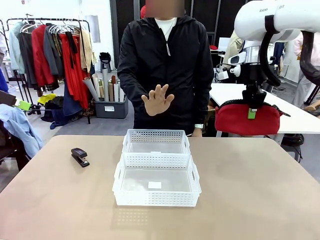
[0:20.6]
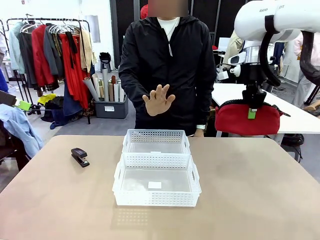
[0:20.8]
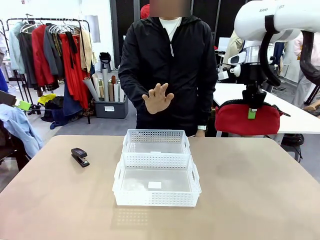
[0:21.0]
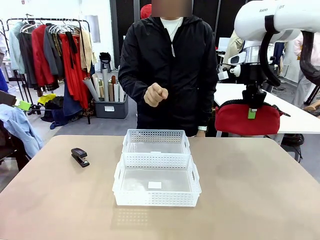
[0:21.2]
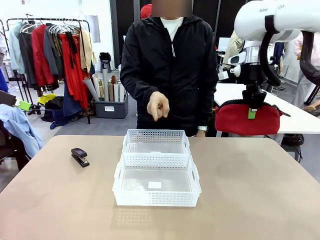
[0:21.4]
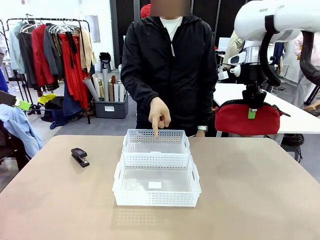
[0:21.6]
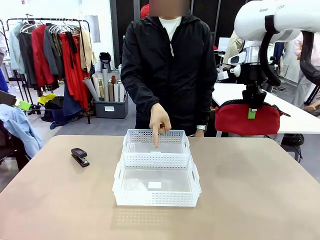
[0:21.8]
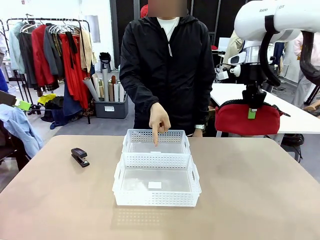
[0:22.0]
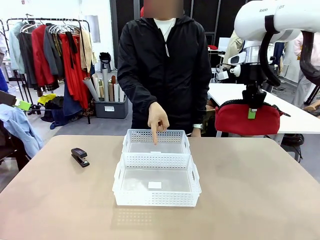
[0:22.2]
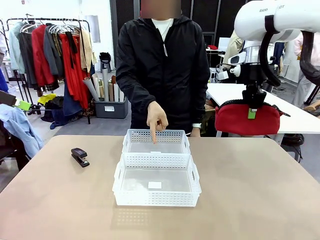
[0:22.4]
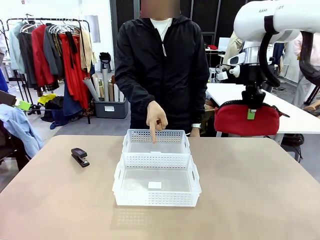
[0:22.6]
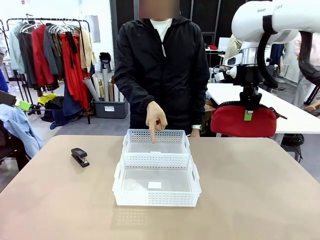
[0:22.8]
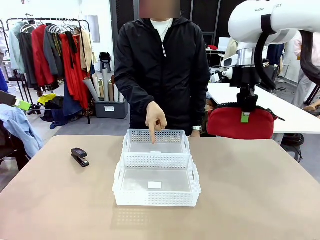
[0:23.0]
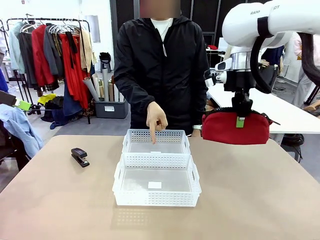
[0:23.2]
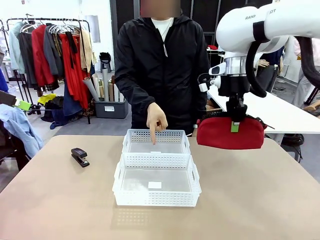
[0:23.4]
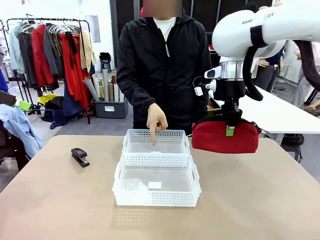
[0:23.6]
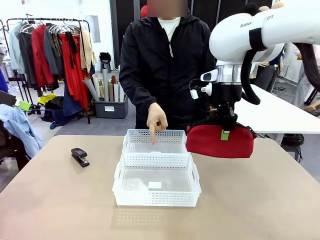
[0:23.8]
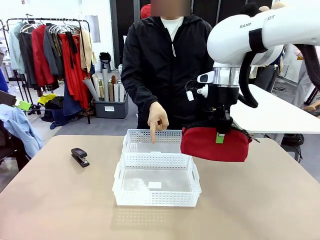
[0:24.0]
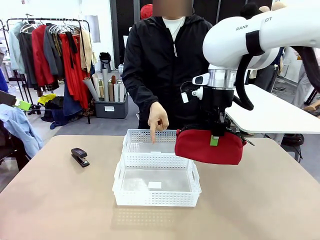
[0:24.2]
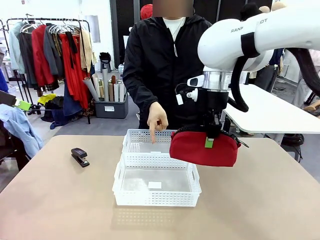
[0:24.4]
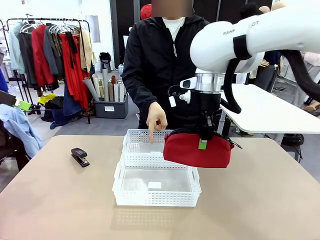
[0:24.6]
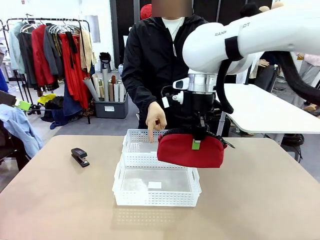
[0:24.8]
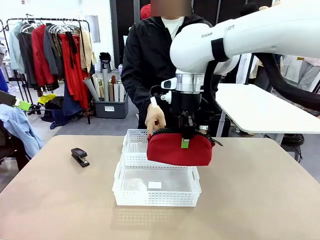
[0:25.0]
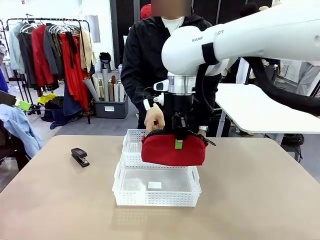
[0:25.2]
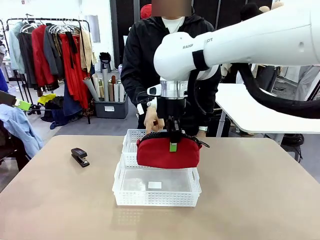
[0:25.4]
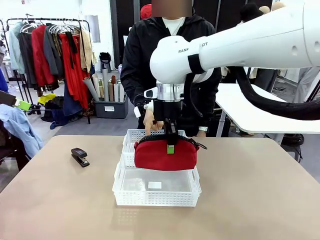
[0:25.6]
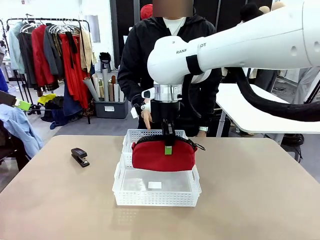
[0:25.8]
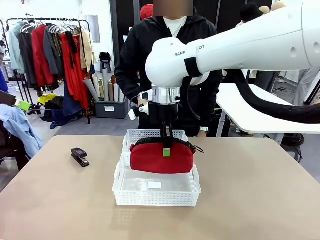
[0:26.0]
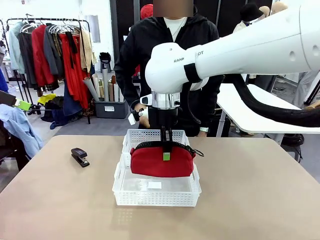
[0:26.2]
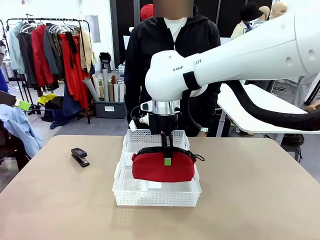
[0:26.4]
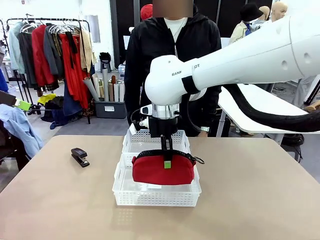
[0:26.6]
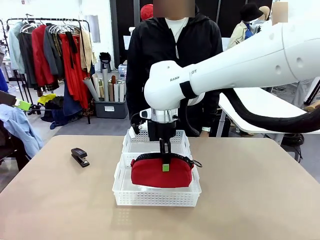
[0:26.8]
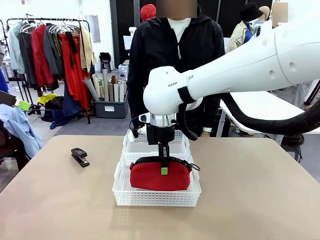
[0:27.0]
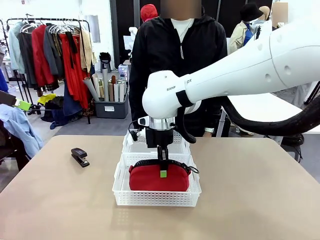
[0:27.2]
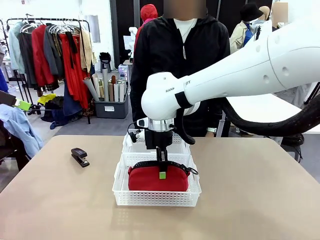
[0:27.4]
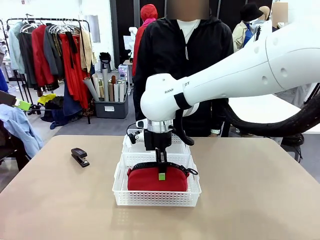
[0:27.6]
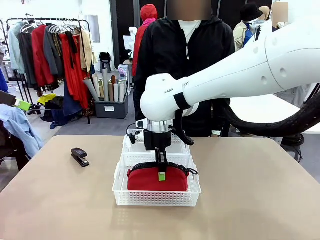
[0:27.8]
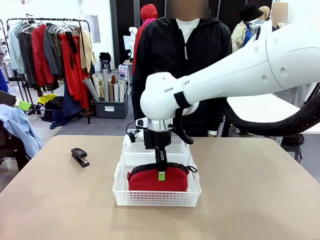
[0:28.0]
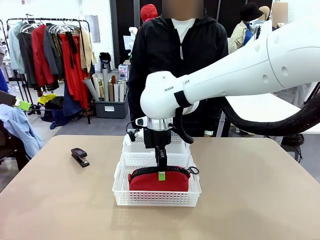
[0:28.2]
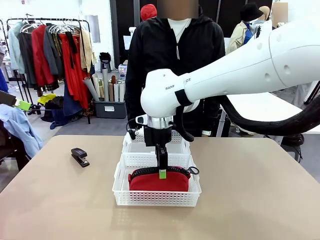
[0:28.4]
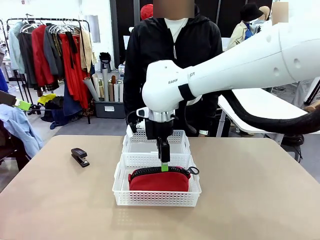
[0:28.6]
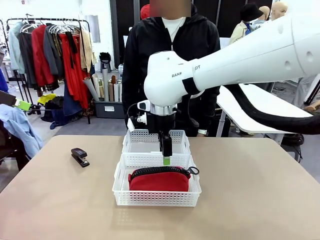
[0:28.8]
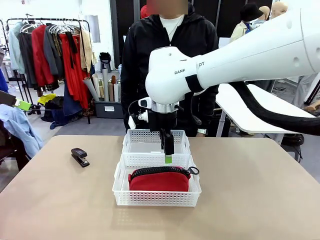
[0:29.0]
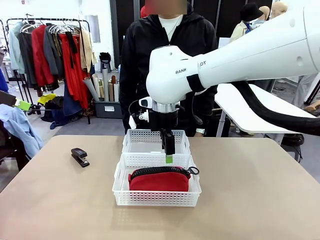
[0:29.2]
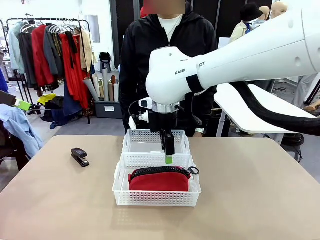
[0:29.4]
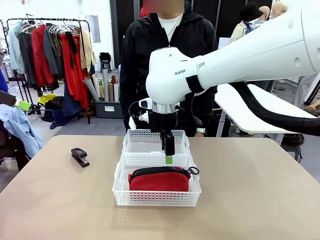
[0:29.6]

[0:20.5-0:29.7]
Task: Distribute items into two baskets.
Robot: Place the picked Pencil pouch into the Organizing basket as instructed by the person.
Person: Instructs the robot to place the pencil case into the opposite basket. Points to the stapler.

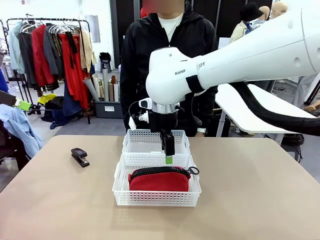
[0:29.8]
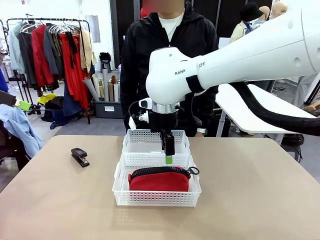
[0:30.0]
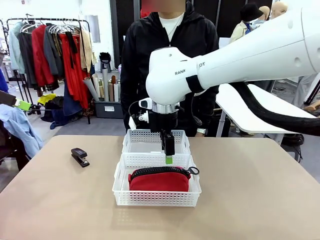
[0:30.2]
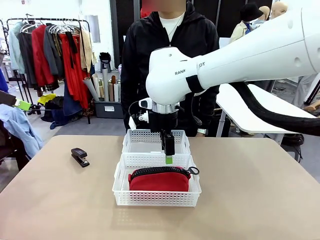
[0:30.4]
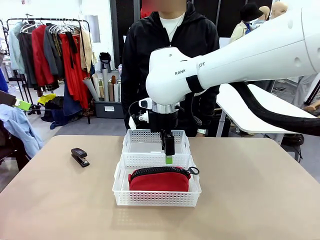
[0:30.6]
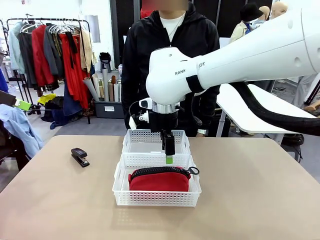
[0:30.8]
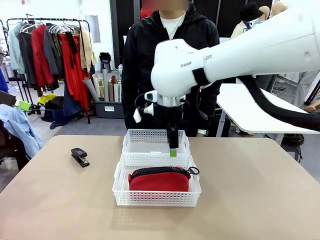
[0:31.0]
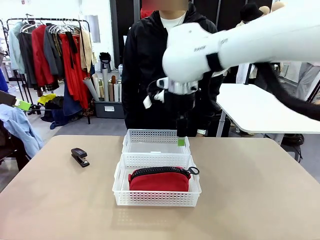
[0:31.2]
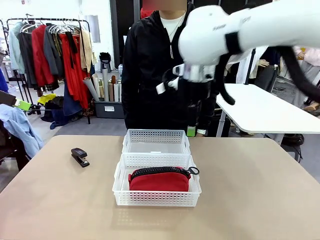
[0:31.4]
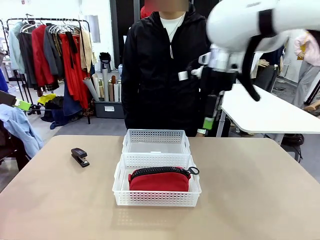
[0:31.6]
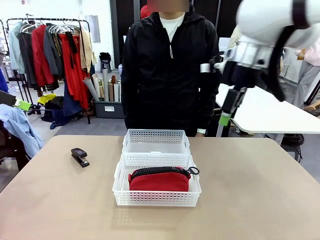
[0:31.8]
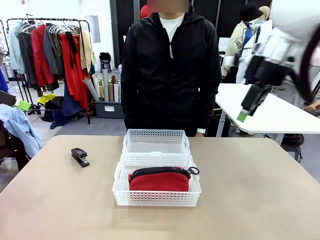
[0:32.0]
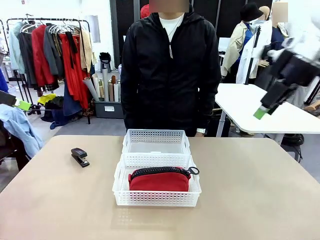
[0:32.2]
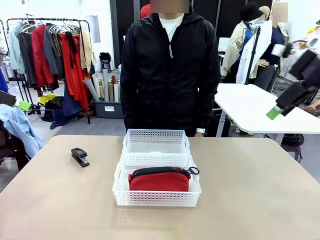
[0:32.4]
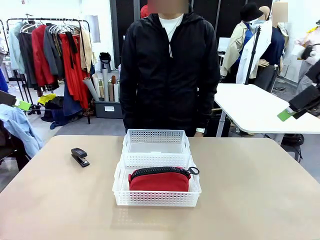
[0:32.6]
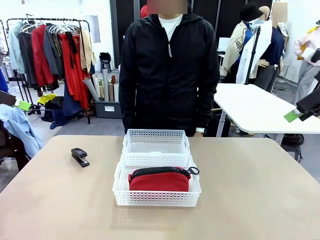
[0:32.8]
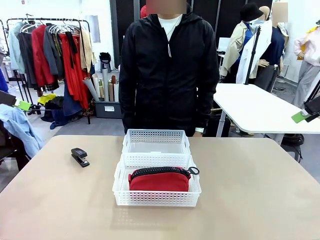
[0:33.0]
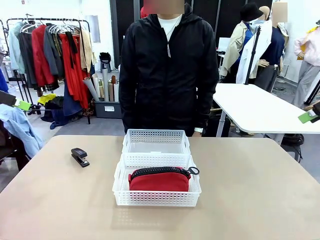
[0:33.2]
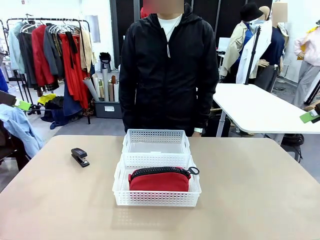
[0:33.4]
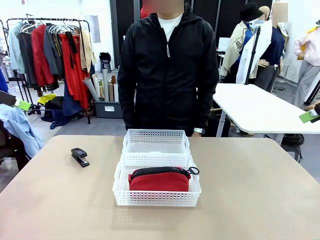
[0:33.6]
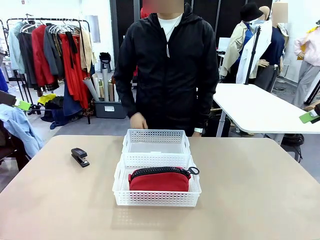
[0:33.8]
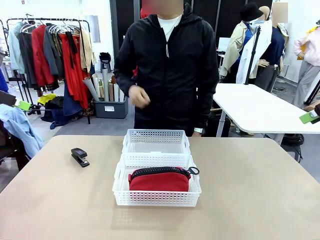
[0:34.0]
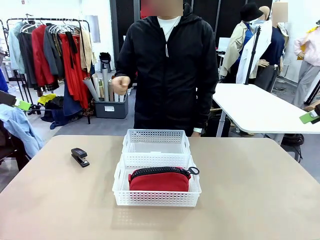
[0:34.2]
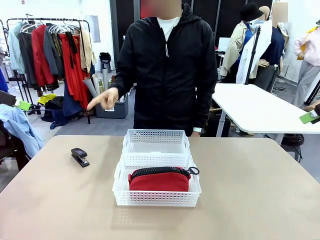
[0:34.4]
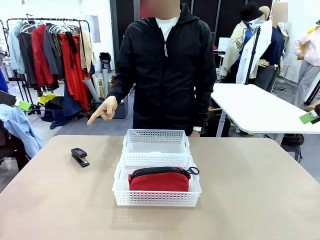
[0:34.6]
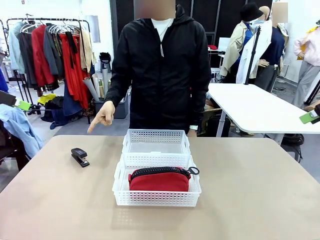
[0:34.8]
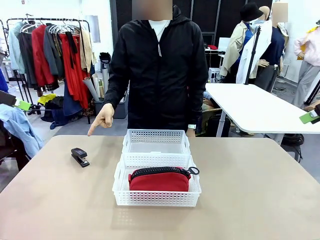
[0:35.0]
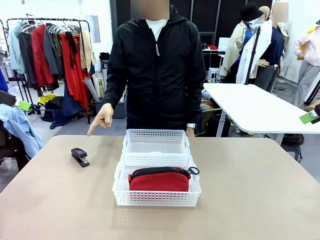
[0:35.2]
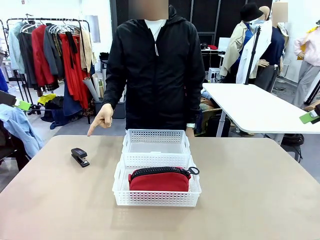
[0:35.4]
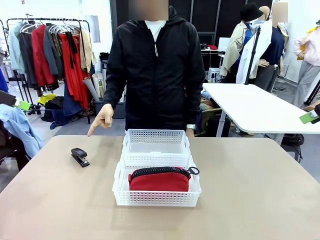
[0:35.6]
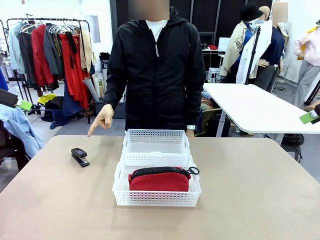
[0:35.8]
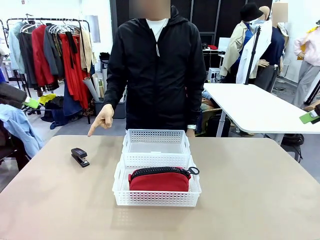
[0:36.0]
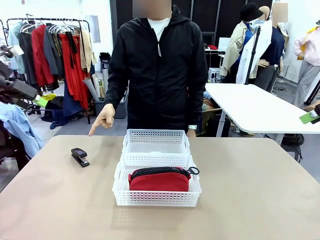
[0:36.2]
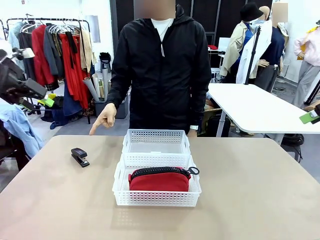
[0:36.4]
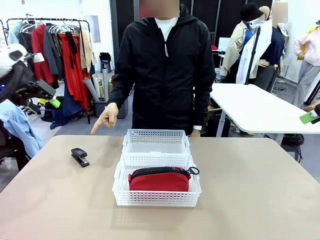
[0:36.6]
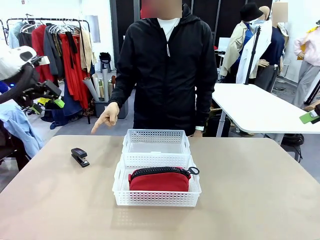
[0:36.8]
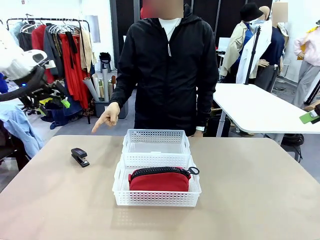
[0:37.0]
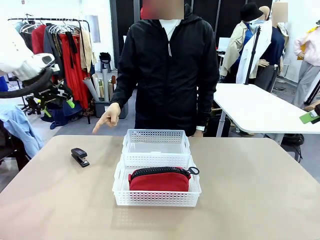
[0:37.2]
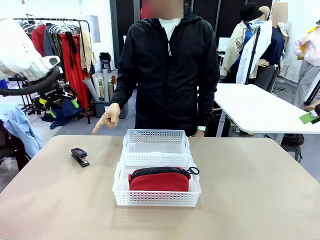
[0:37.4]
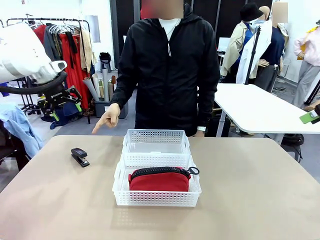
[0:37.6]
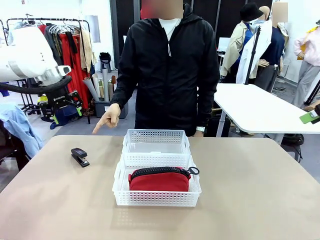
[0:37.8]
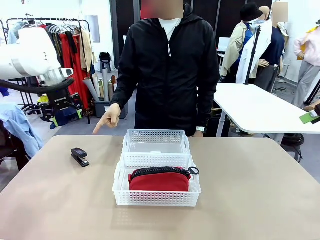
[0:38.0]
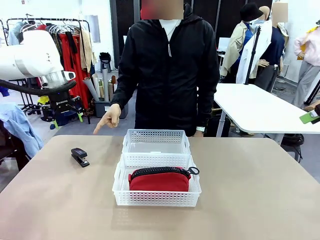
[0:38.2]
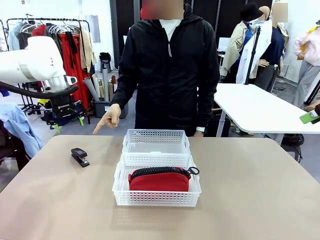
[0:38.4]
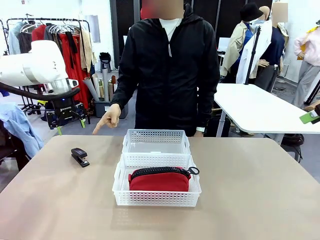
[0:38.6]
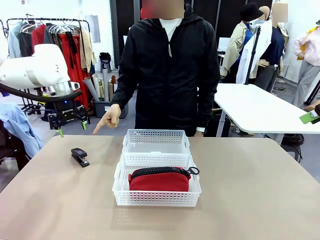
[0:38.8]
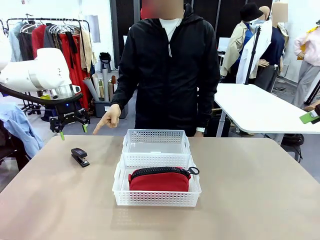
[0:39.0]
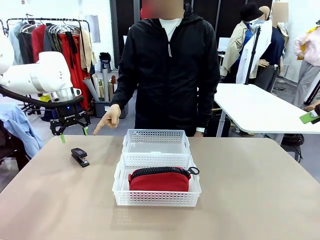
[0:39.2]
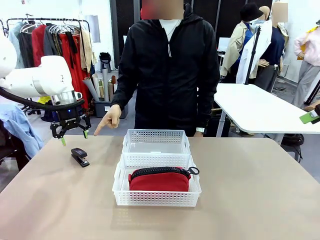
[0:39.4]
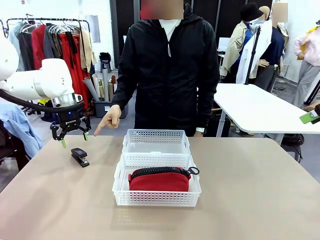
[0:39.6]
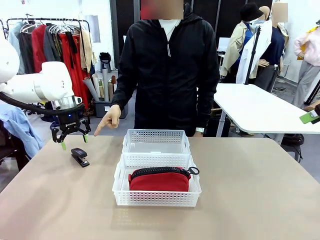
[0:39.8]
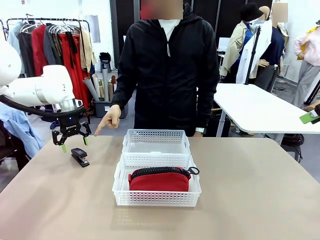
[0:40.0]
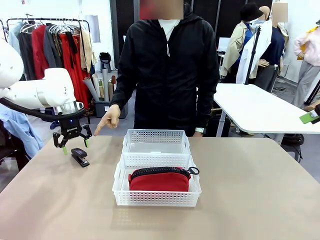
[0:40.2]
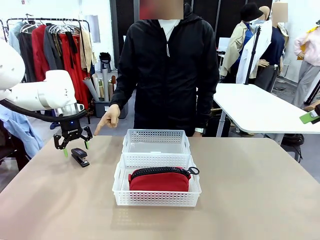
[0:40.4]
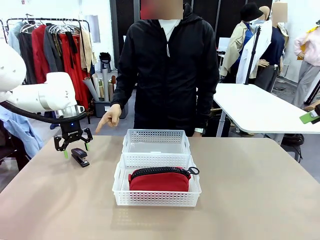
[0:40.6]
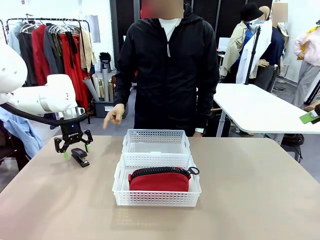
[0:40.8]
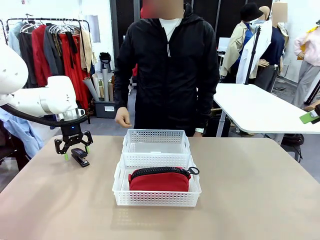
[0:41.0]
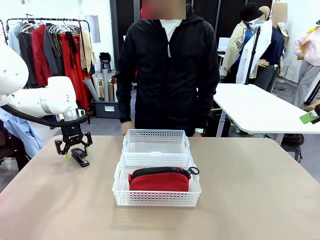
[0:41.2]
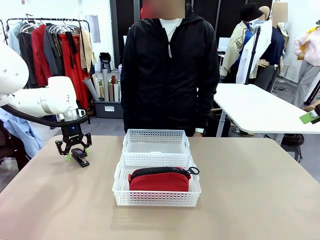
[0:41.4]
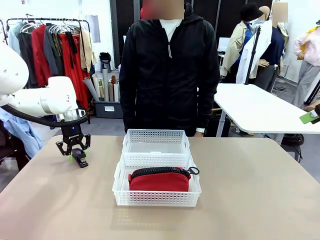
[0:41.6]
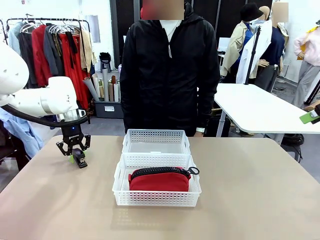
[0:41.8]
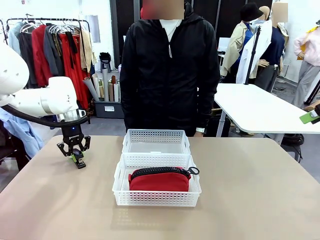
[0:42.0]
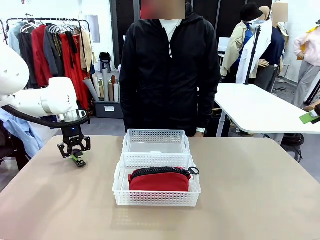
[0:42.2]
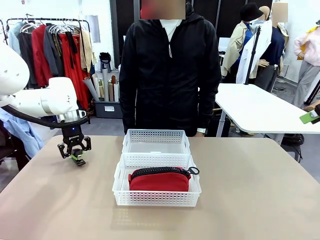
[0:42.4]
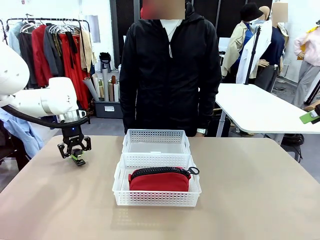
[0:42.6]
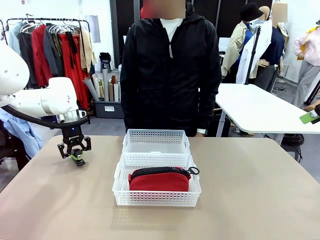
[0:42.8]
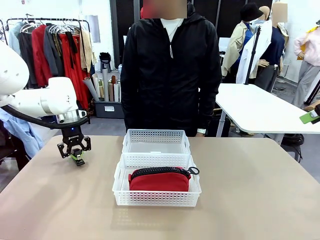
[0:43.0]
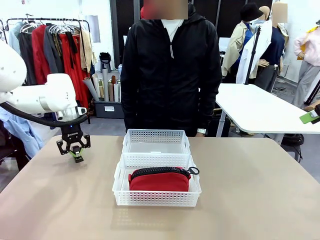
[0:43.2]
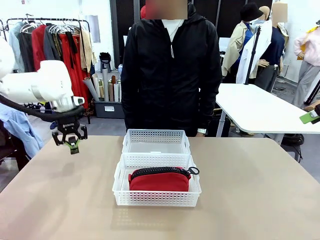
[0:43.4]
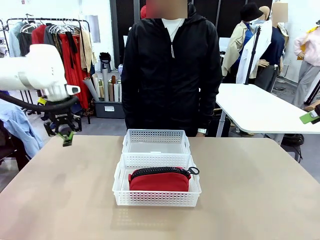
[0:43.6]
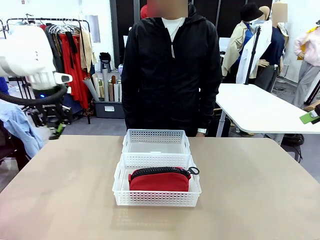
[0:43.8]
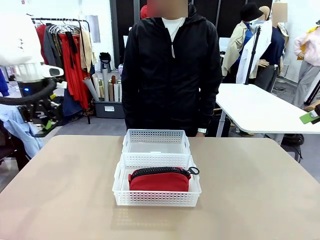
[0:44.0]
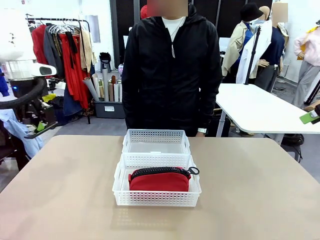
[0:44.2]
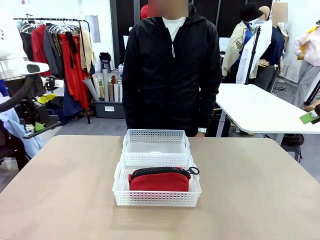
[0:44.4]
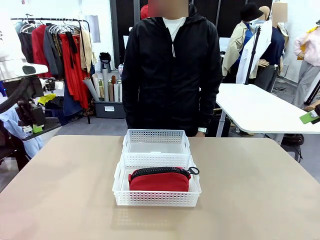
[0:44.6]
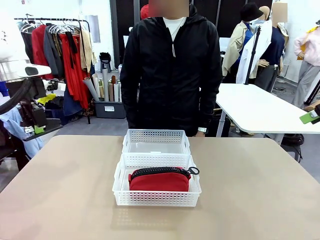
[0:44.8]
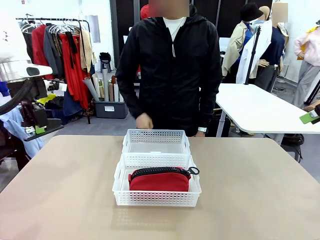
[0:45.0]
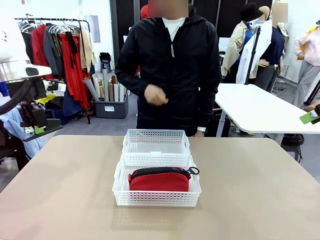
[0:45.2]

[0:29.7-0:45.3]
Robot: Pick up the Stapler that the person points to.
